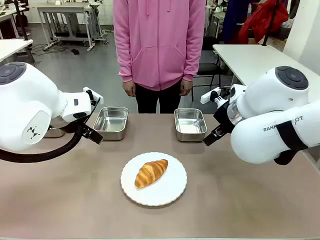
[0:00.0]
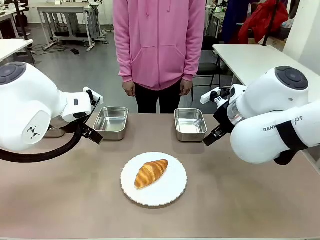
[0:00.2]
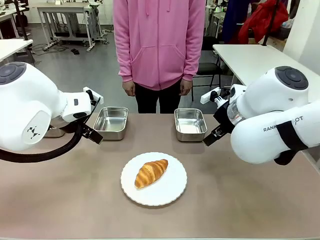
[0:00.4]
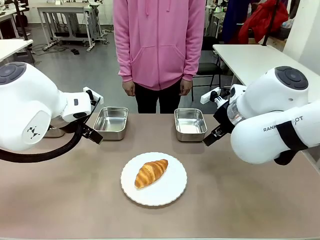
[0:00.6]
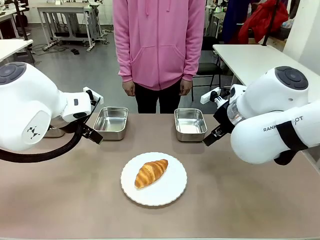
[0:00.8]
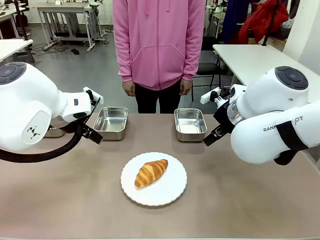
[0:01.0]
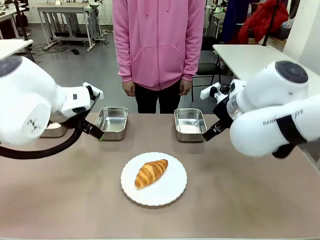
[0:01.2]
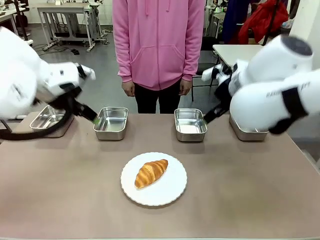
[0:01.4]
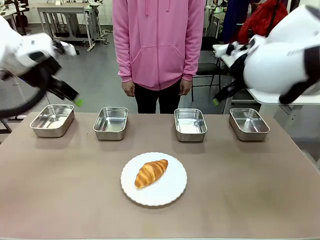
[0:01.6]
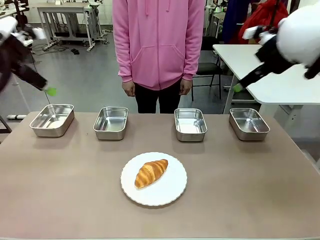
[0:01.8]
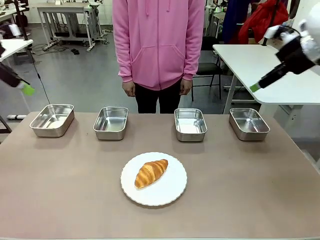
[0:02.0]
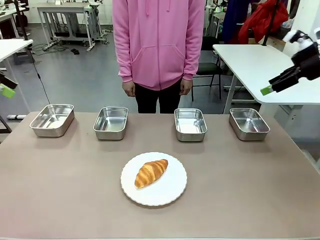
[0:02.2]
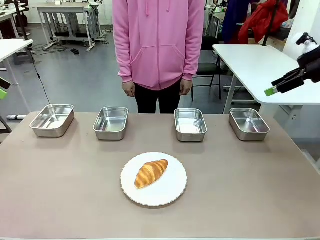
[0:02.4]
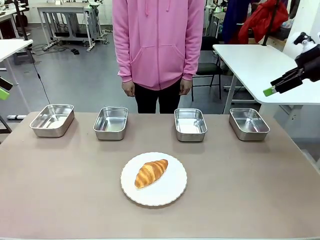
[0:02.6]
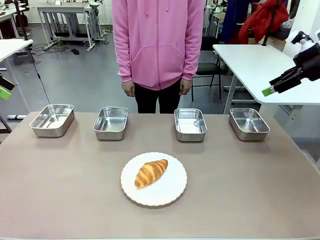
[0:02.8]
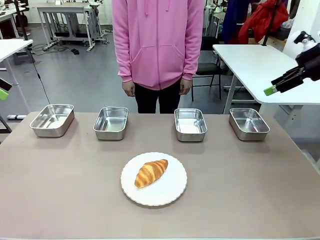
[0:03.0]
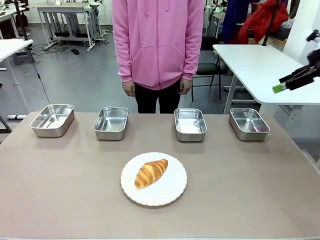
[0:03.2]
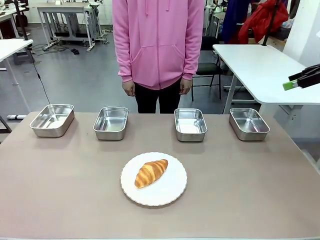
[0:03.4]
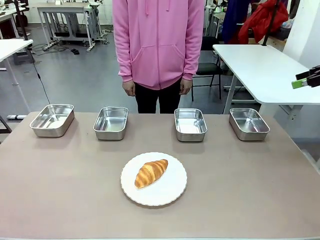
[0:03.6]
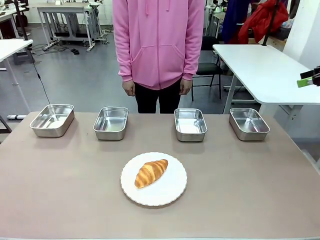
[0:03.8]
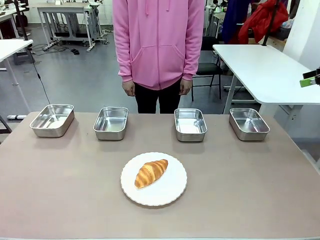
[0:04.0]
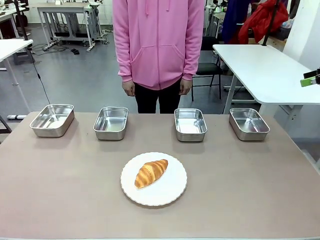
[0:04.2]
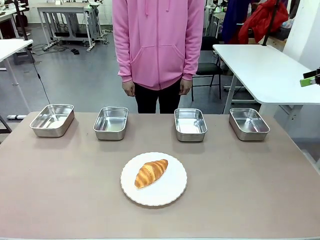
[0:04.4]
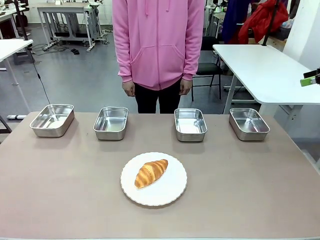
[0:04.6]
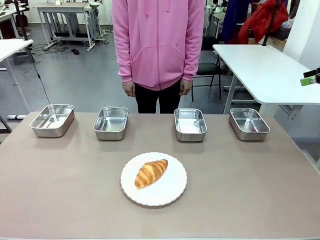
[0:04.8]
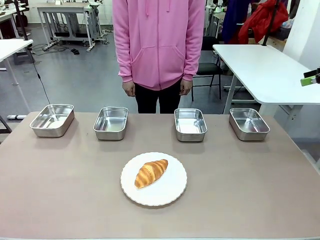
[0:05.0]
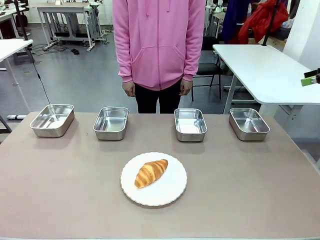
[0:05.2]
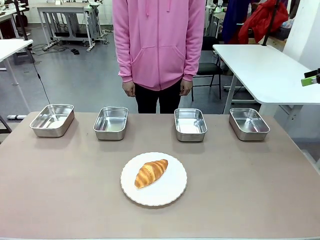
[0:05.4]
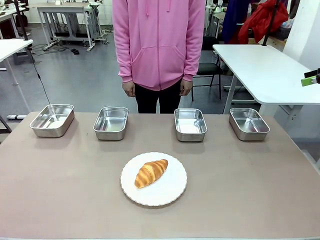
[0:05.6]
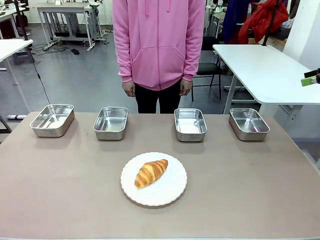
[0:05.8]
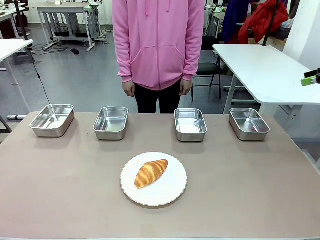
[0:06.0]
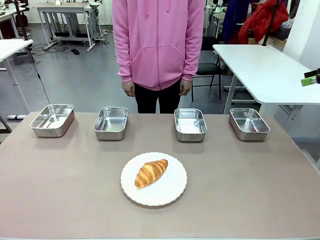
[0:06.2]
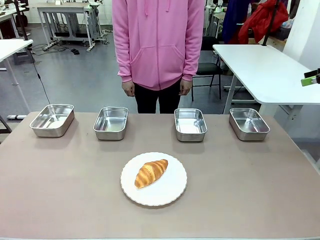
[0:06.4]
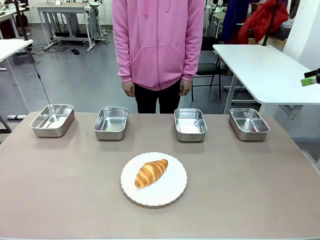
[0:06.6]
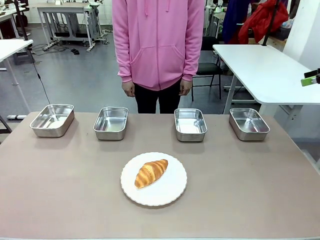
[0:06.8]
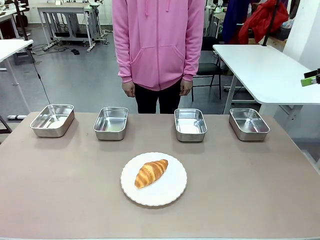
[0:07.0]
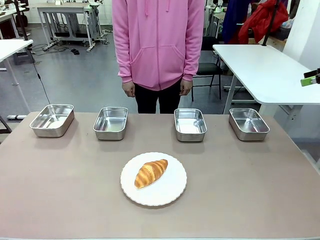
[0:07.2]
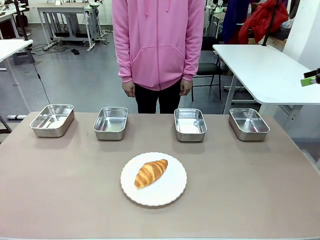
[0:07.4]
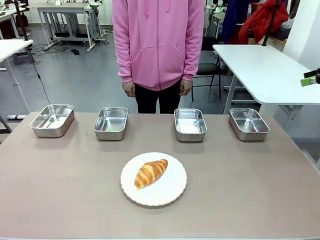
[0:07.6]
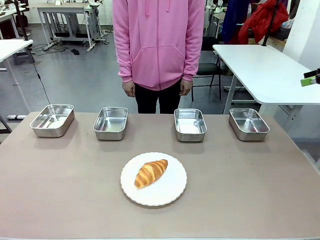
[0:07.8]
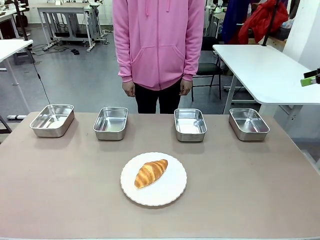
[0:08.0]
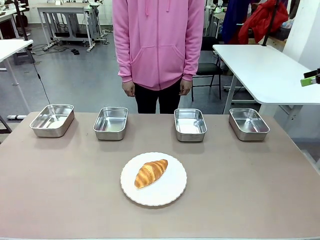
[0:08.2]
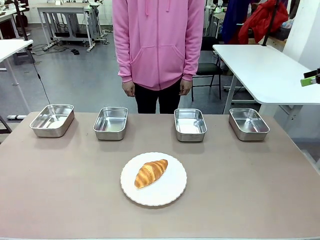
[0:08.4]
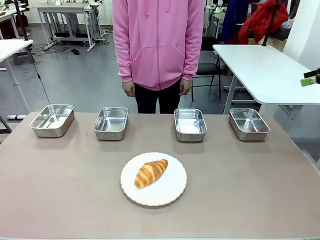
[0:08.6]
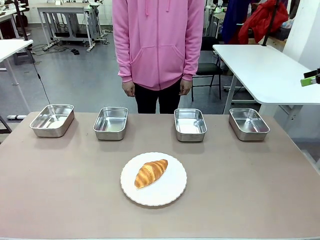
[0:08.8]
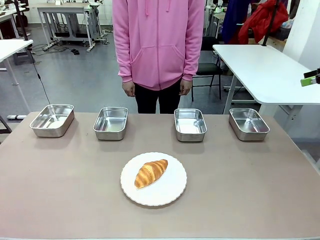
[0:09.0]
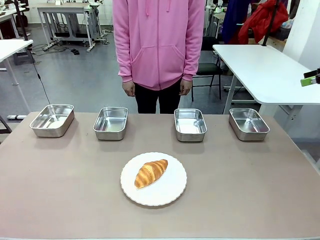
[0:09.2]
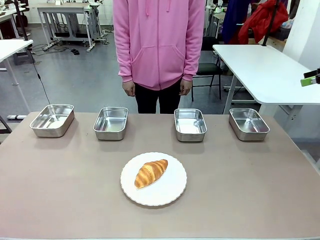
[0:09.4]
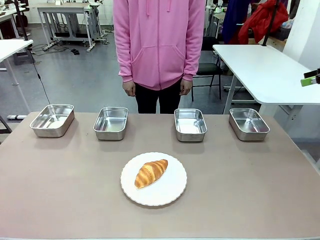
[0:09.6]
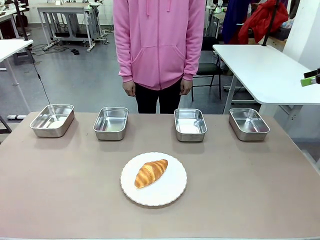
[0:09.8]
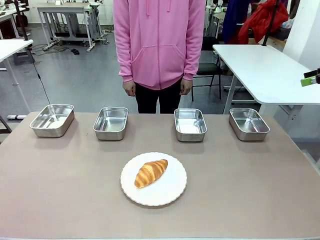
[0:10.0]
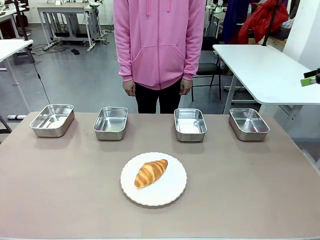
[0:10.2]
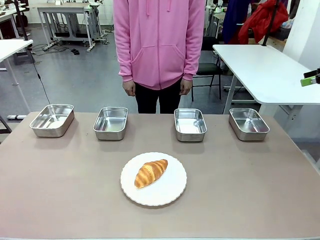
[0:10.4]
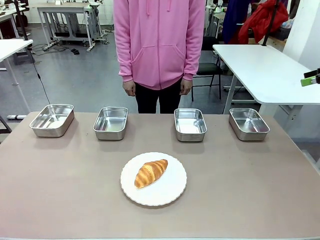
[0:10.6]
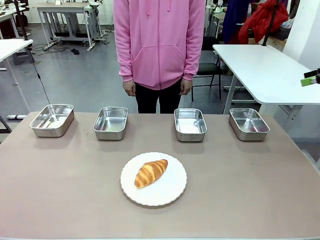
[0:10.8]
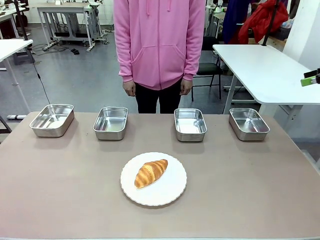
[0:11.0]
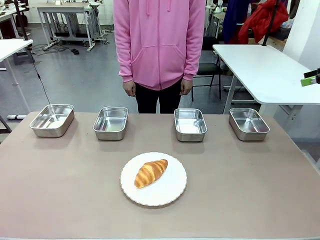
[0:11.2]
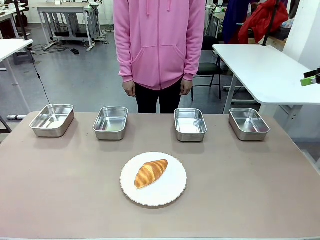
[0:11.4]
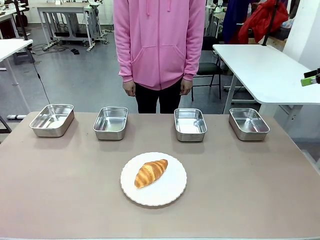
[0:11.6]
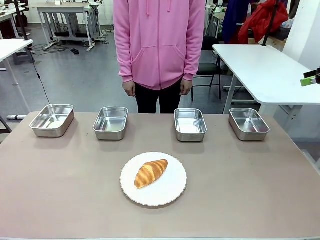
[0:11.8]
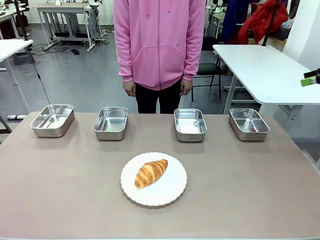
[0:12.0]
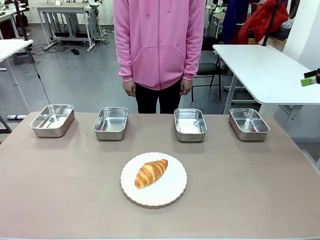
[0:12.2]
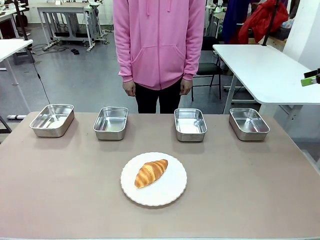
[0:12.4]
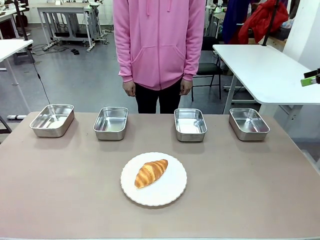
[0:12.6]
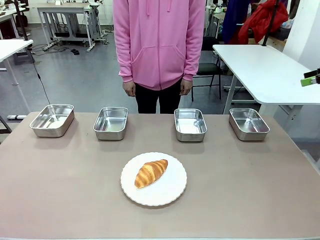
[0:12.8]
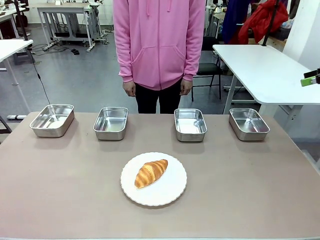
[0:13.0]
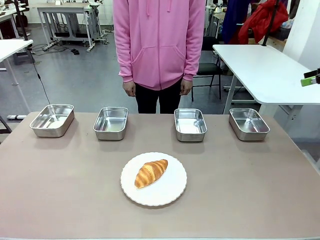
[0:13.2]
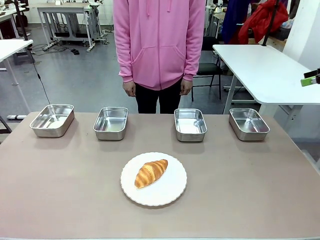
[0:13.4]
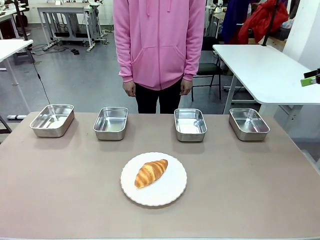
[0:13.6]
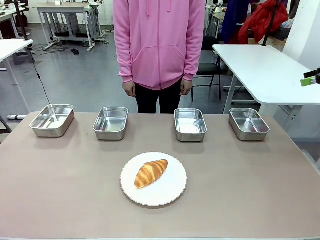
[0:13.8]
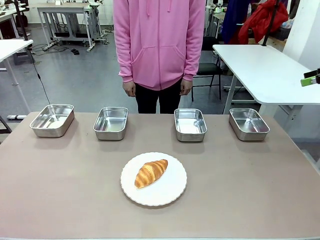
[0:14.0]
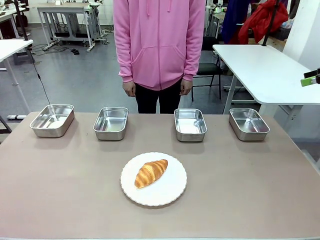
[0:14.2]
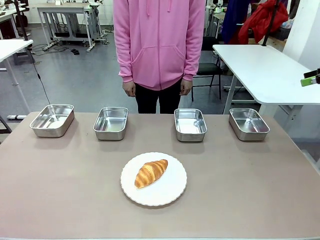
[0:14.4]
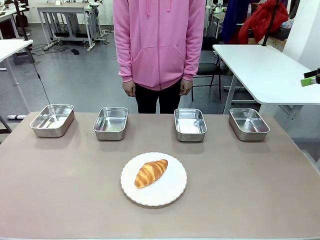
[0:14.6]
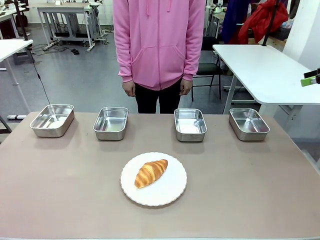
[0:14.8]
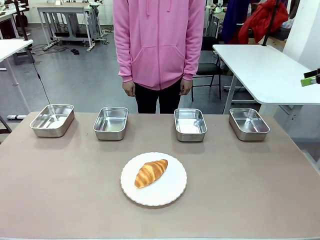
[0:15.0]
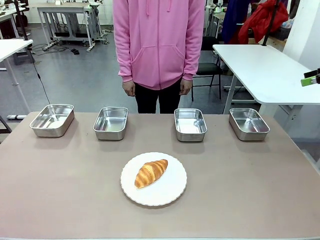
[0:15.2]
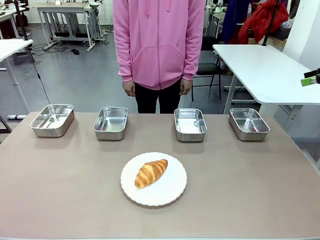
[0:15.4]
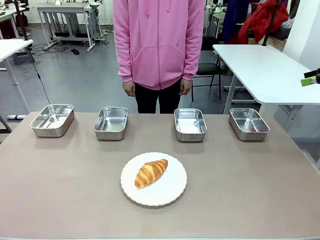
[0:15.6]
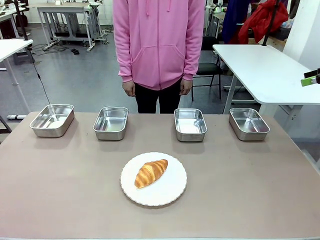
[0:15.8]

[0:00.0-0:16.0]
Task: Place the bread in the container.
Robot: Place the Butter Roll into the Airtight Container indicated by the human.
